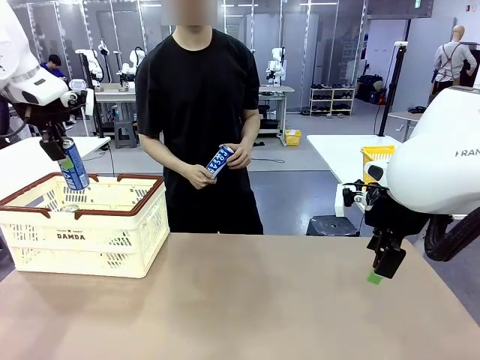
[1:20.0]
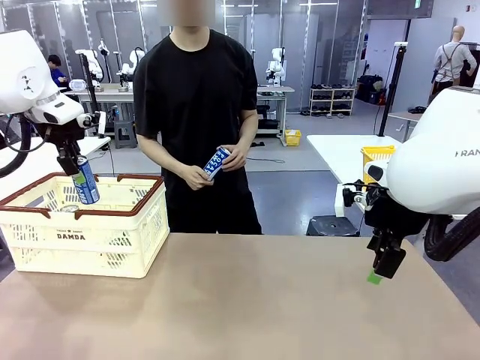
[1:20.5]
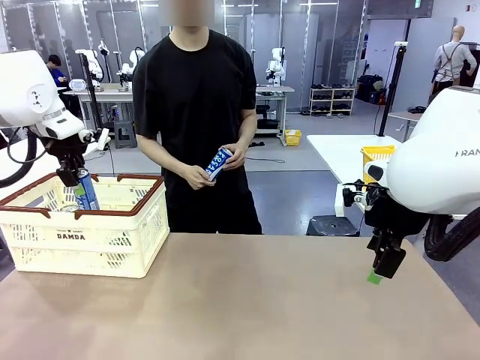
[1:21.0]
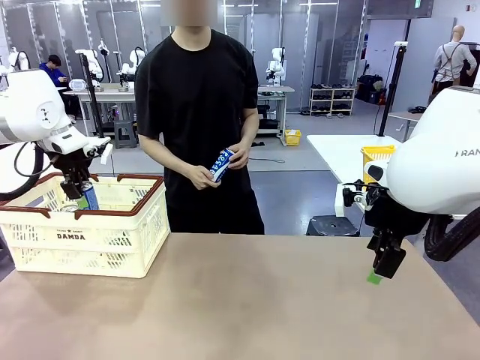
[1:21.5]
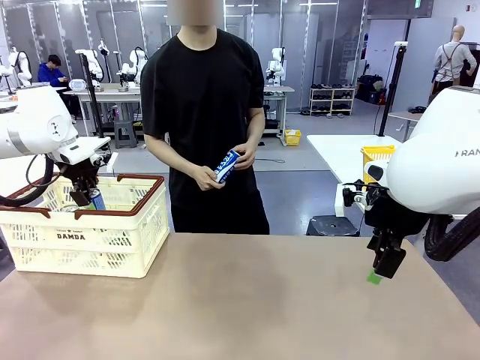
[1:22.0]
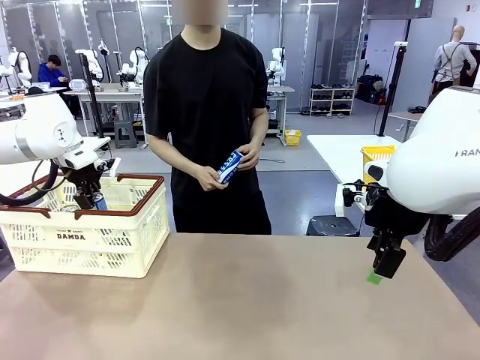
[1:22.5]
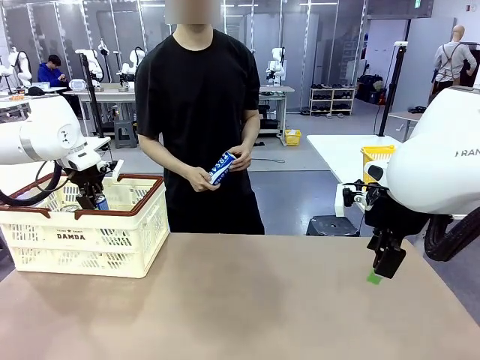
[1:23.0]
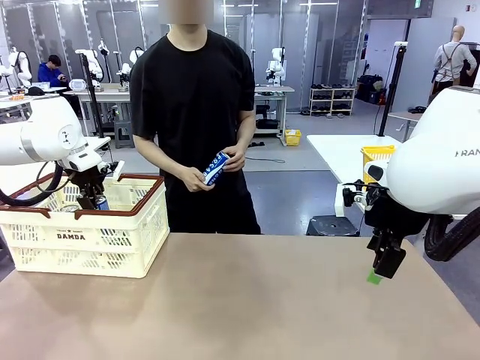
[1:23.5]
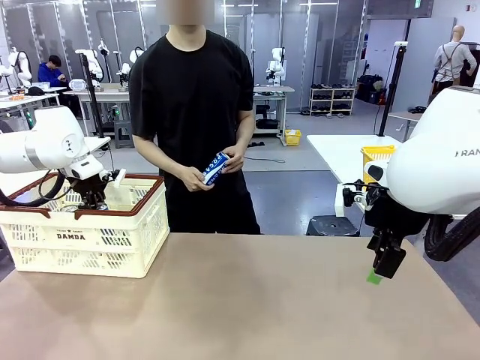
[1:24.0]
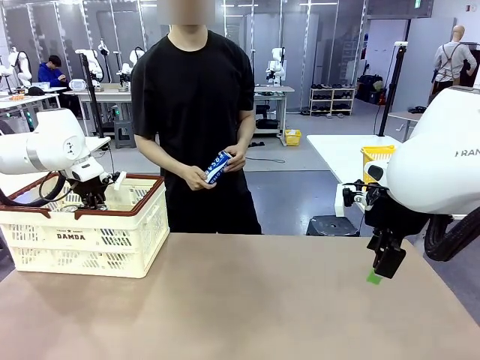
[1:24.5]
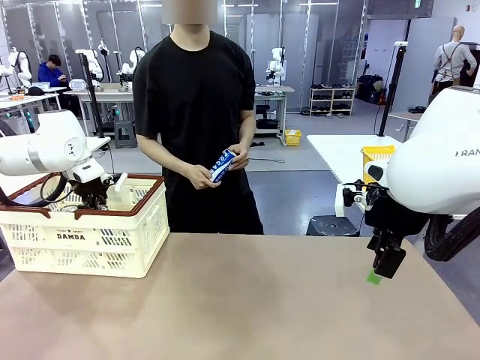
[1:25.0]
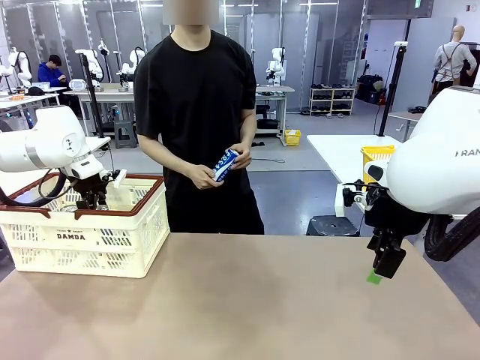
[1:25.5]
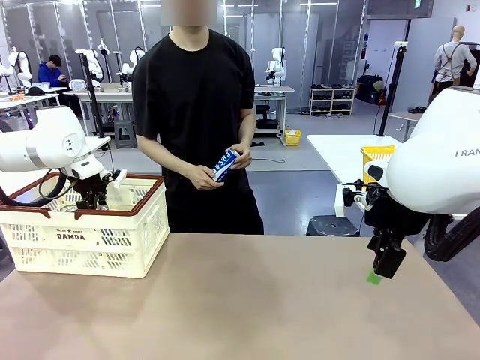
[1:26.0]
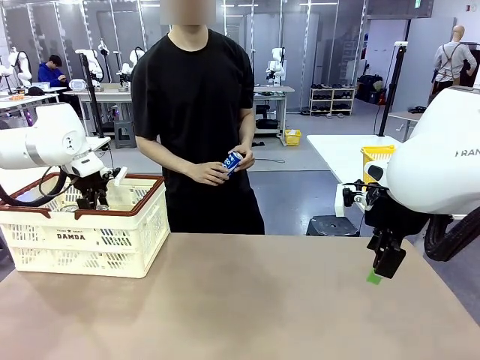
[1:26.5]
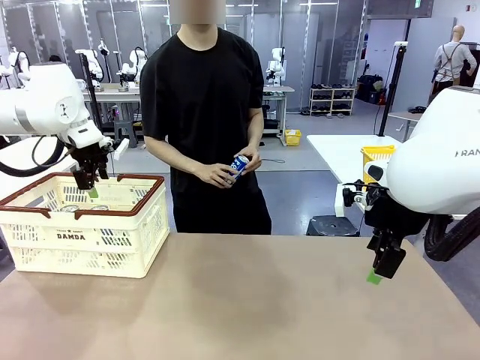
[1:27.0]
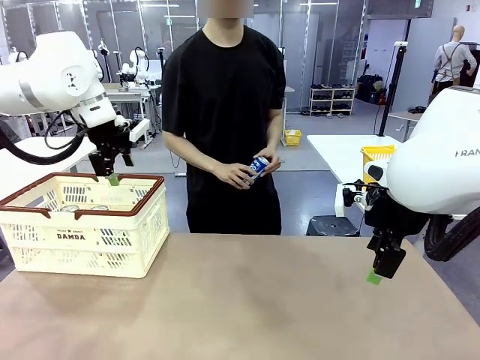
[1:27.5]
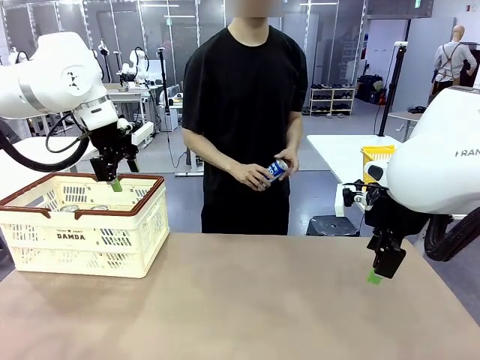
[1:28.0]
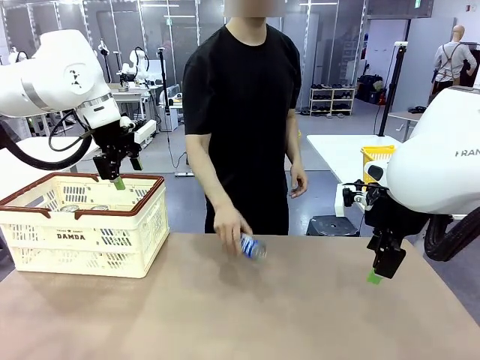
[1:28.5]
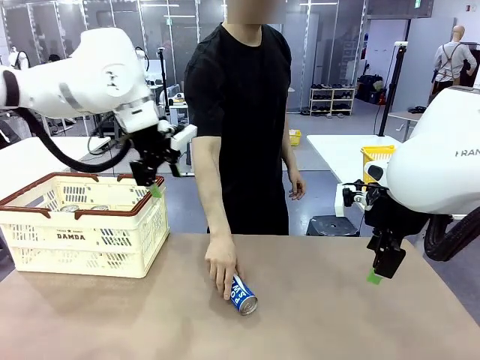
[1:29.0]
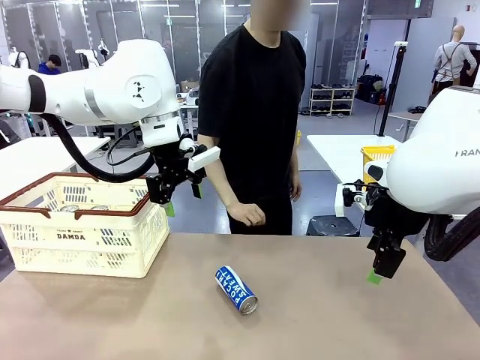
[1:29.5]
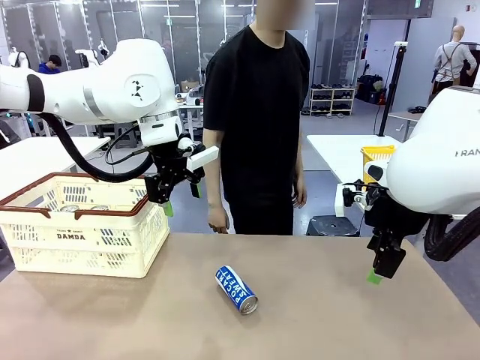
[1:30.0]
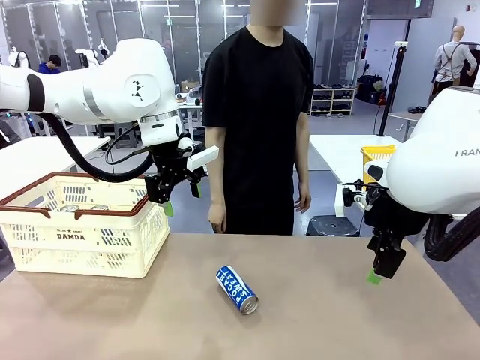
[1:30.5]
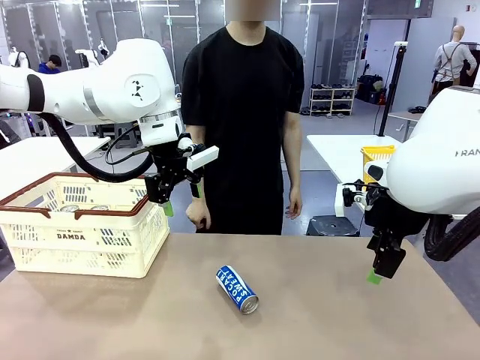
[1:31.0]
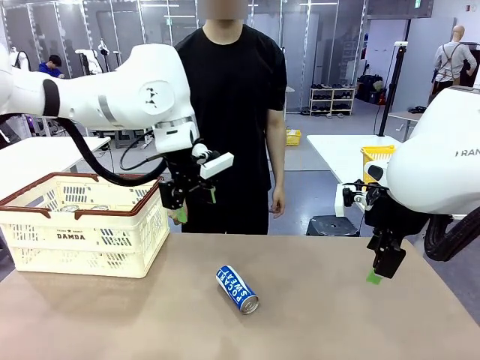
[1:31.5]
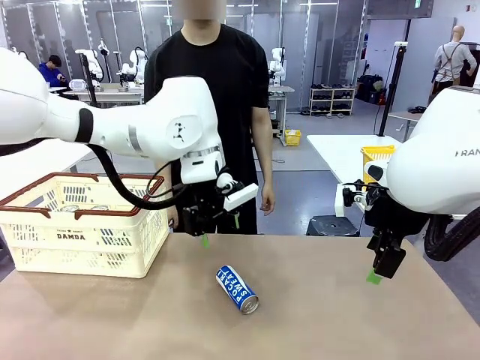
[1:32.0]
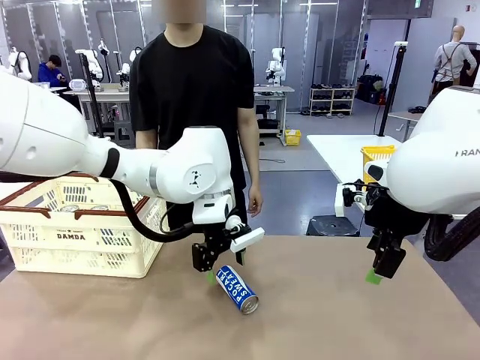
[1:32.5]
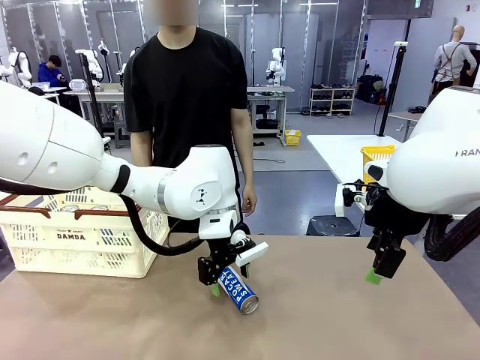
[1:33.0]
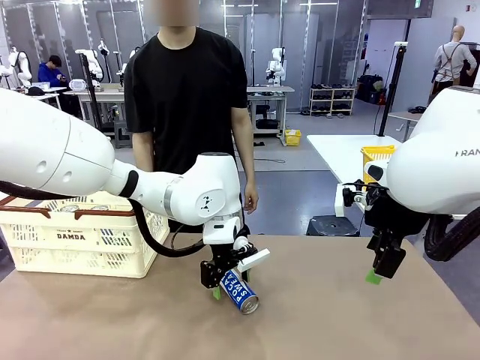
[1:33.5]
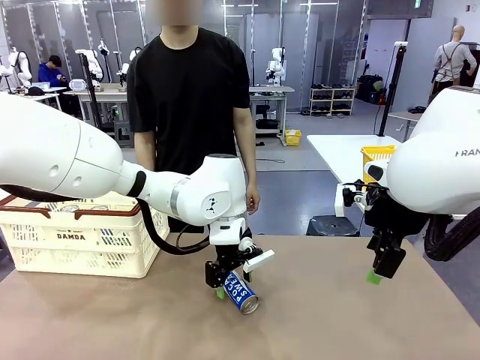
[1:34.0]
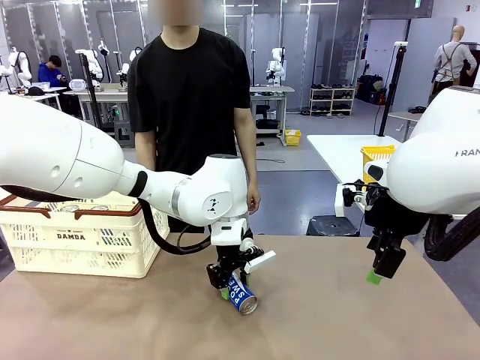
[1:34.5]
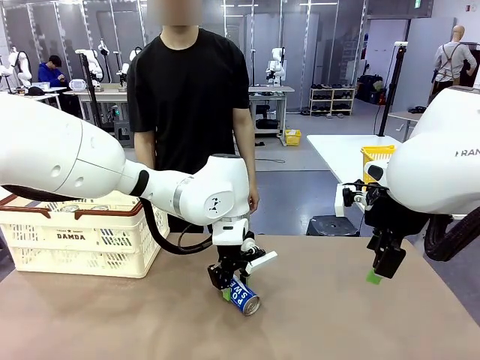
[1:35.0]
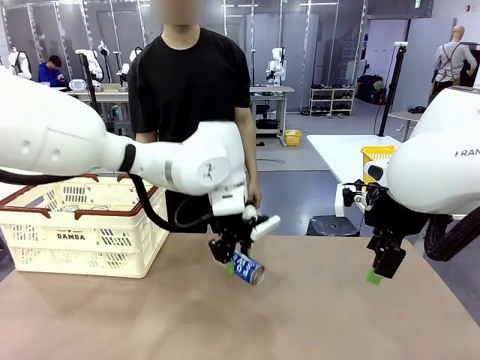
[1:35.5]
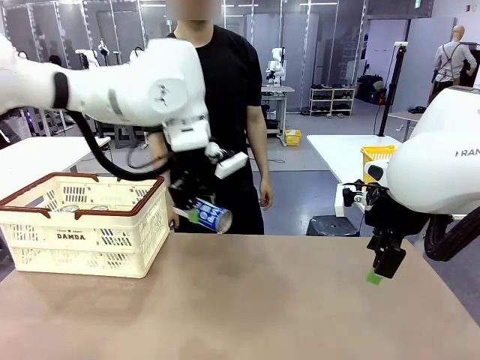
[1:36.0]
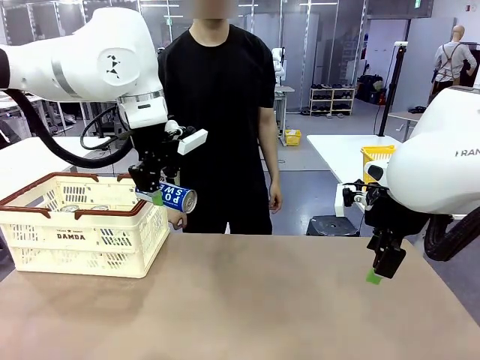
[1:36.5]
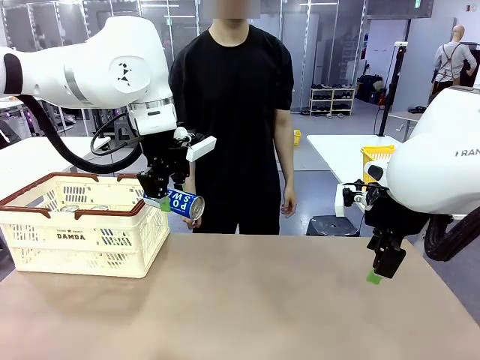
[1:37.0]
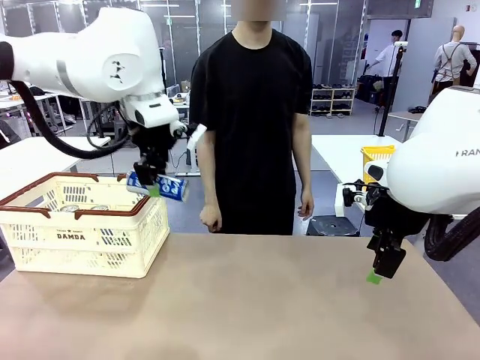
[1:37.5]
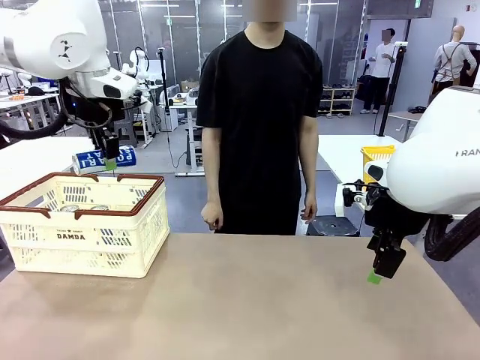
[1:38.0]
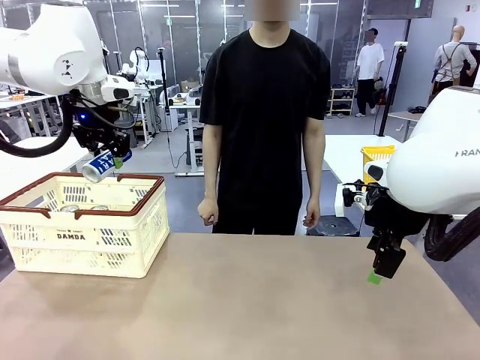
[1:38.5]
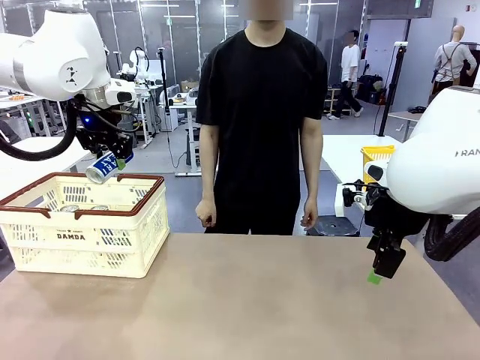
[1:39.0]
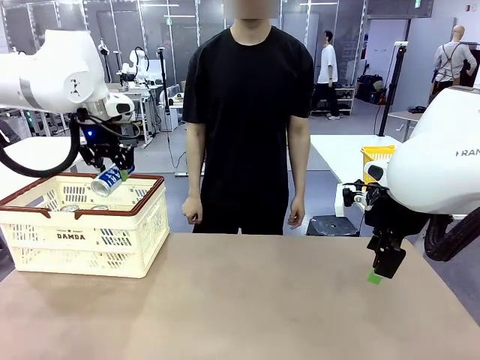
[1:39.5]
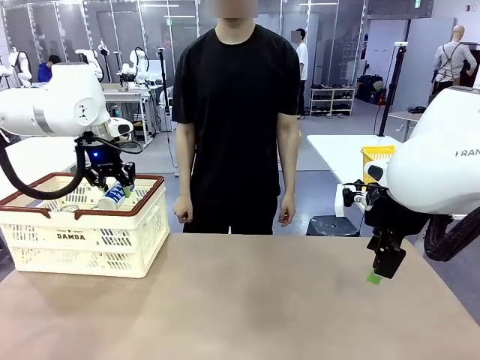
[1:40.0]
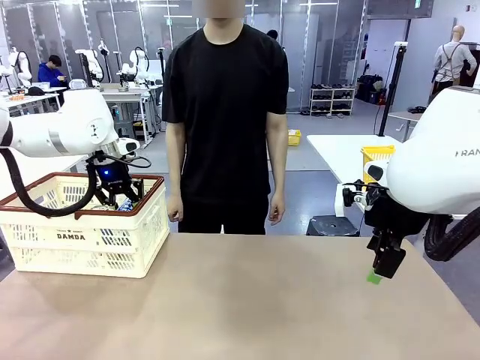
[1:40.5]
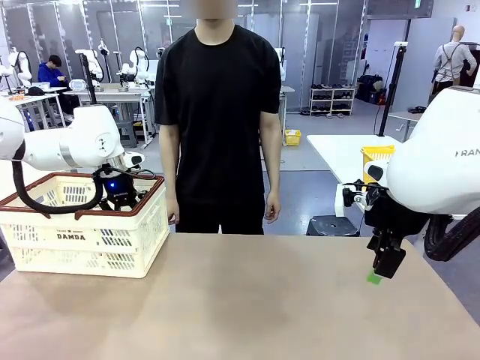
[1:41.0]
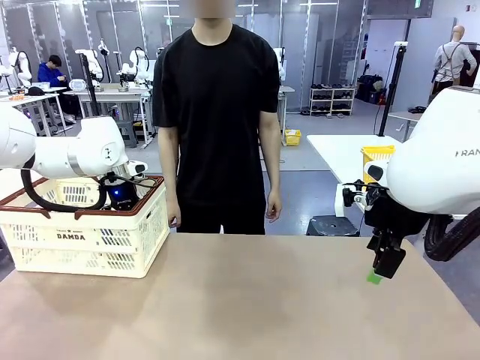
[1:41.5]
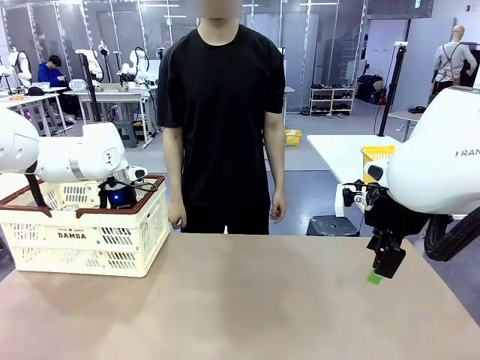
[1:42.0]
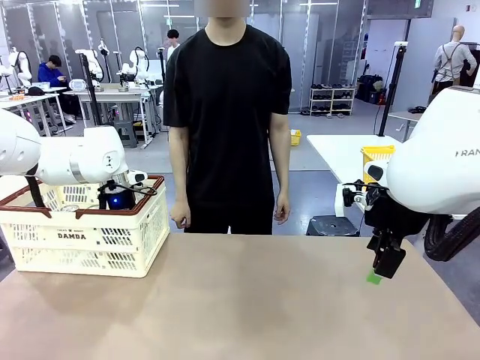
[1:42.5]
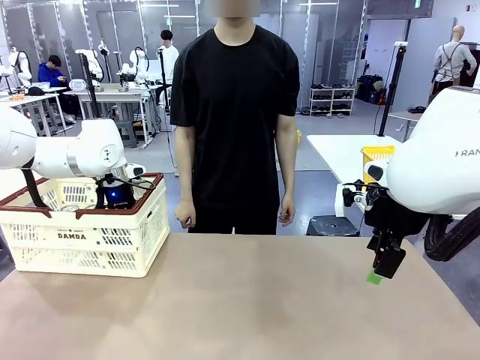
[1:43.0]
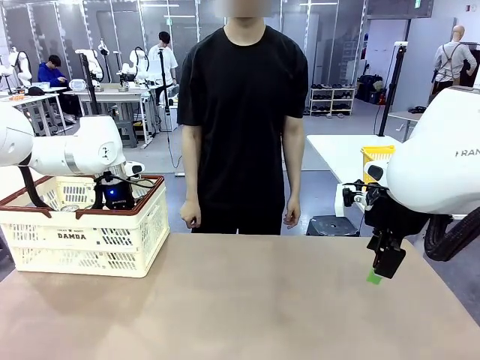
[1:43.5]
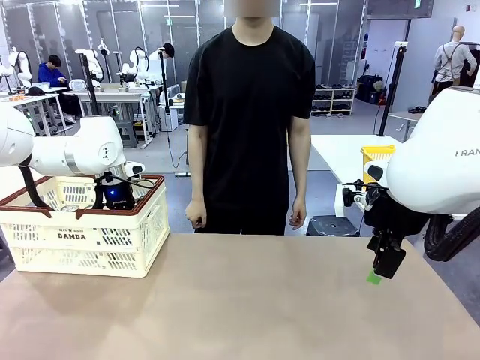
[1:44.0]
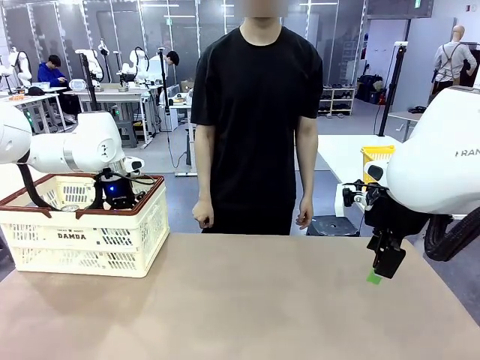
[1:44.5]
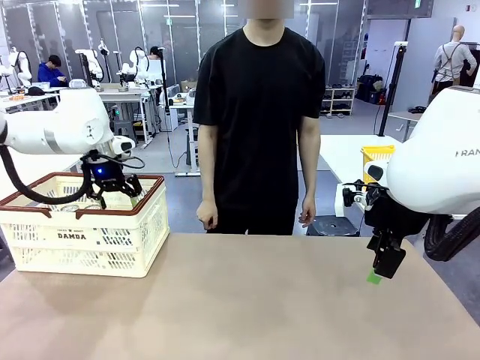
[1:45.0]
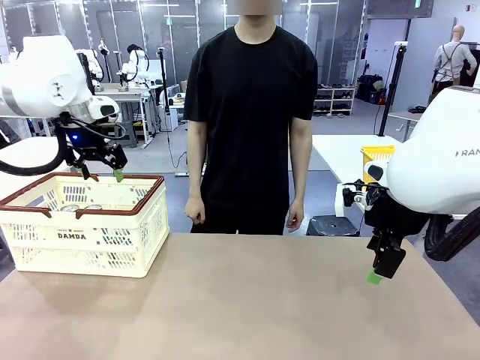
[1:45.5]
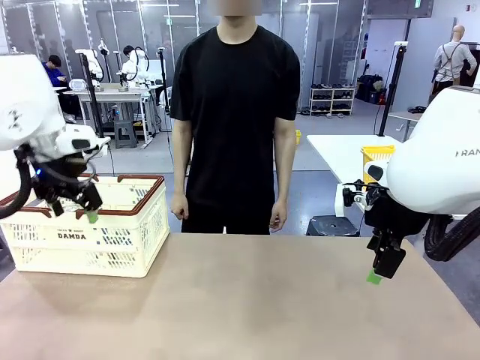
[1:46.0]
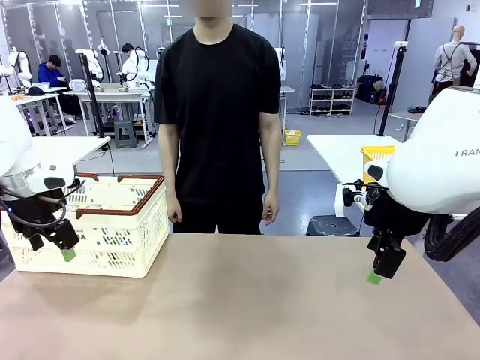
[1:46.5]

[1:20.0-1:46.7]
Task: Place the drinks into the Shopping basket.
Robot: Pick up one drink and place it into the Shopping basket.
